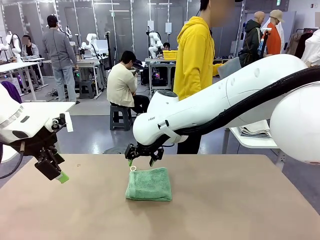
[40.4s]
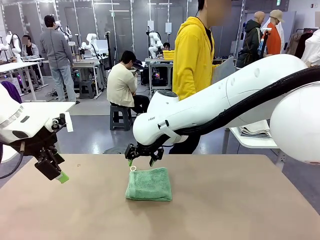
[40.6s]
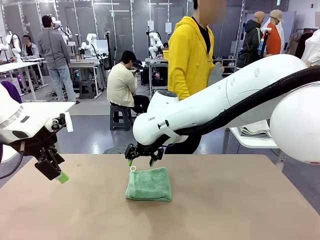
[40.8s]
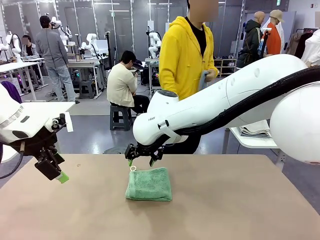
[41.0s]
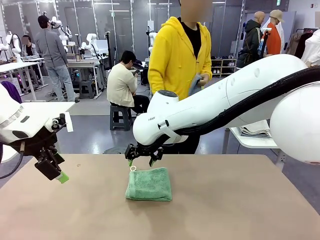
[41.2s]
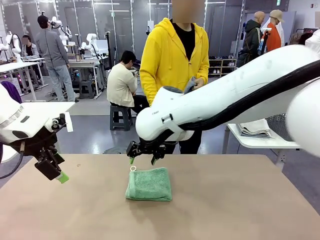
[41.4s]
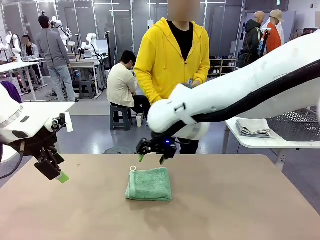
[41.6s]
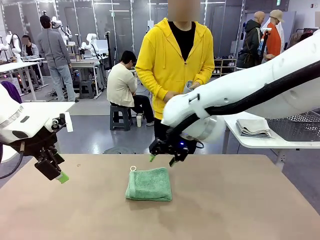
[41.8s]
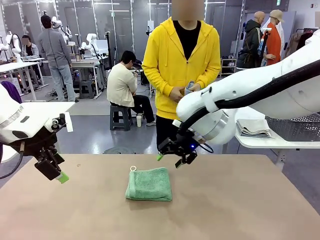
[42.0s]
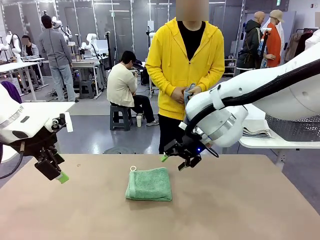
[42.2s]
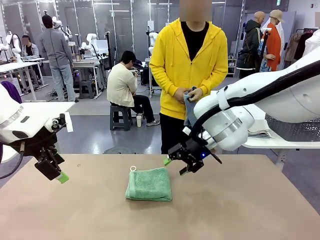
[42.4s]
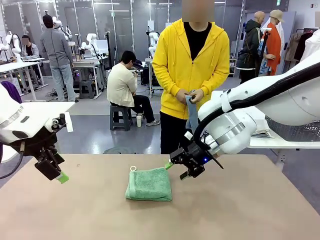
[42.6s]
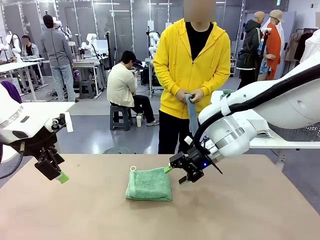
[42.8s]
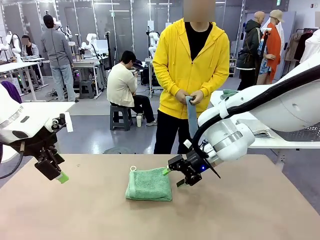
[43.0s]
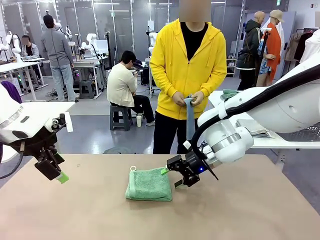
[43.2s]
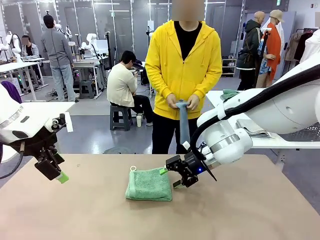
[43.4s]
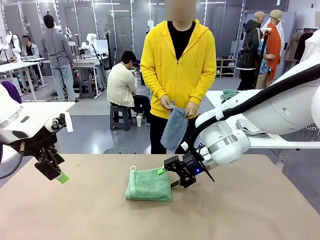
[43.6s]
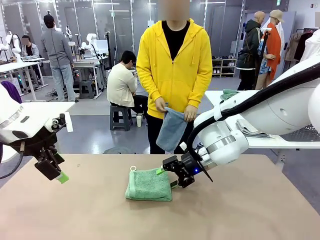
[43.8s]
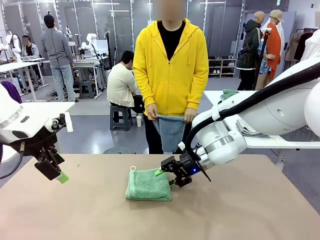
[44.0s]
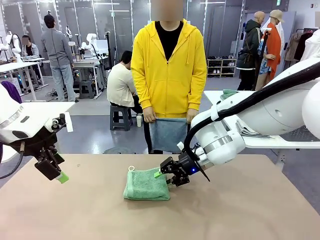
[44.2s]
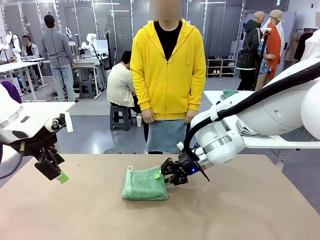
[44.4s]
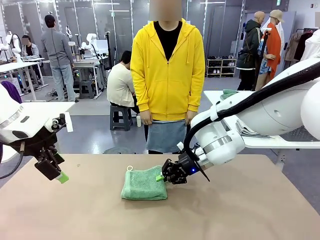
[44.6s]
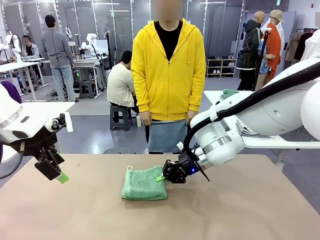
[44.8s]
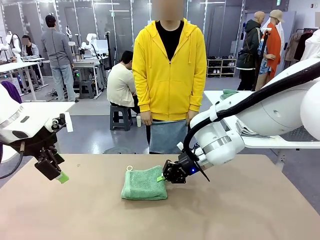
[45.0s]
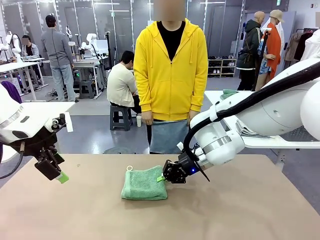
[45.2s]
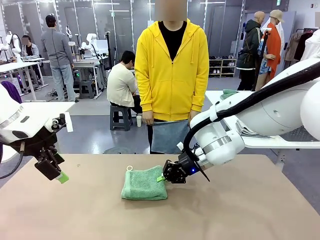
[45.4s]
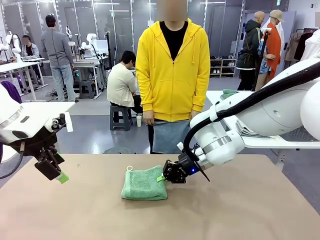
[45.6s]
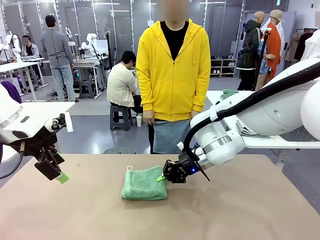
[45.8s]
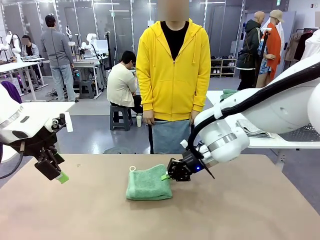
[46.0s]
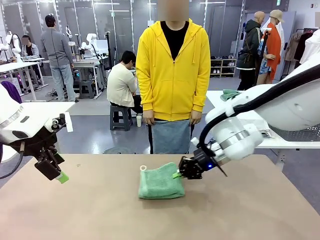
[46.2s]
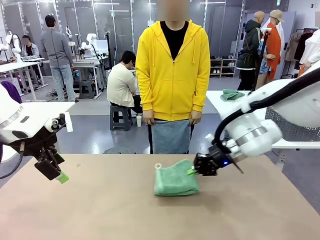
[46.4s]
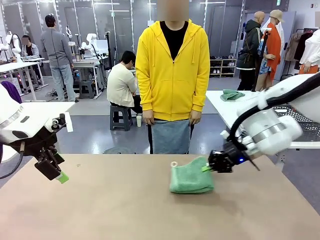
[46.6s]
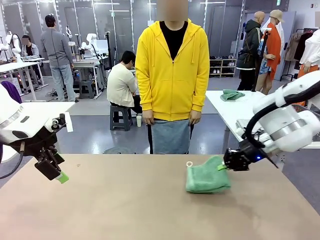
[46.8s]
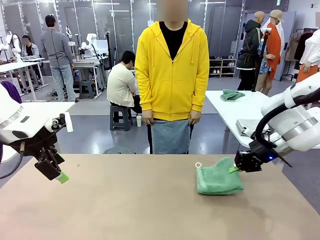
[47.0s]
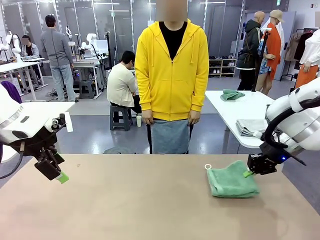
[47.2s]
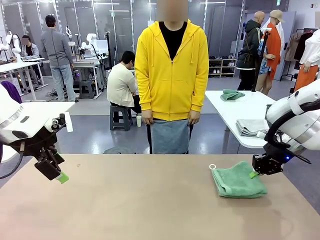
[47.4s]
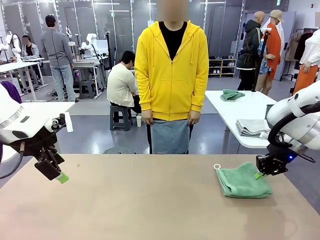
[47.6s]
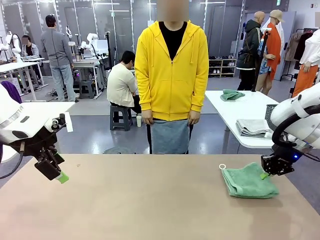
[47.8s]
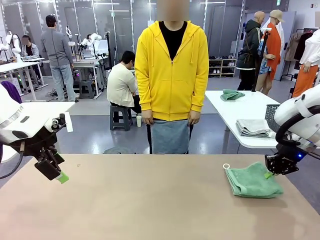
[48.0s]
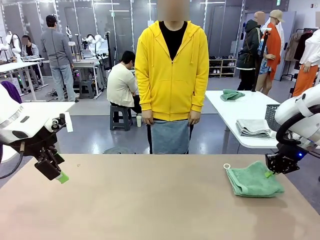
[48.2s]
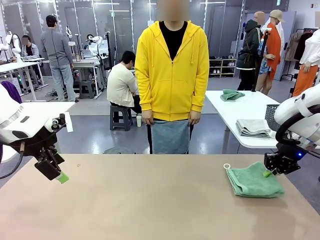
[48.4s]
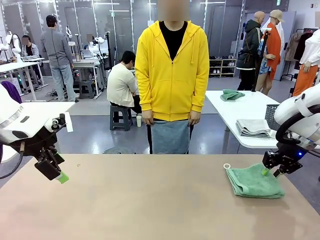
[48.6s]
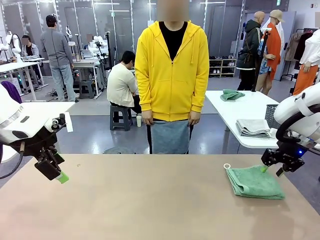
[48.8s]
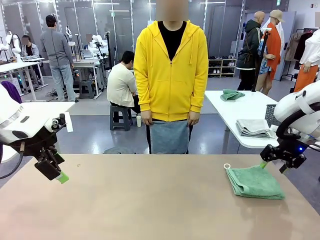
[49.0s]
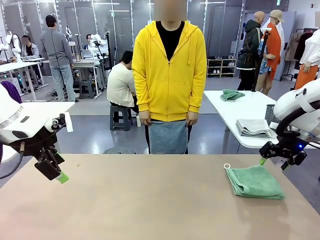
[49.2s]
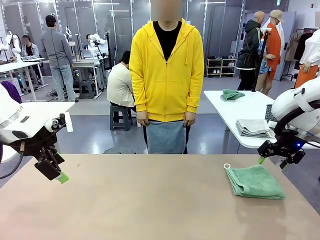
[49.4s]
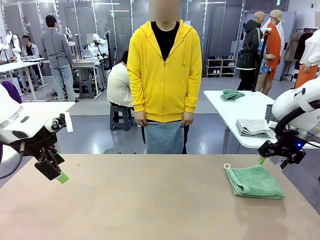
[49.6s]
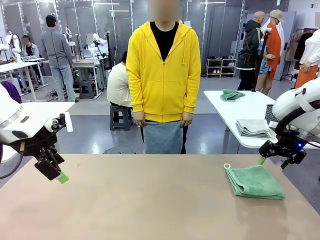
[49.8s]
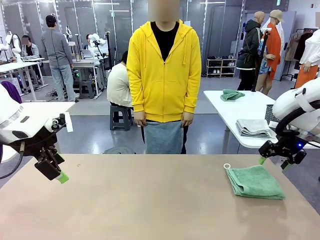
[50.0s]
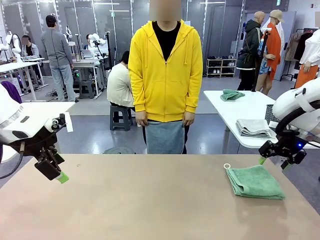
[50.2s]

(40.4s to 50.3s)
Task: Fold the towels and place them in the basket.
Robot: Place the folded Towel with hook on the right side of the table.
Person: Pick up one towel from the left side of the human table and spread it out at the center of the robot table.

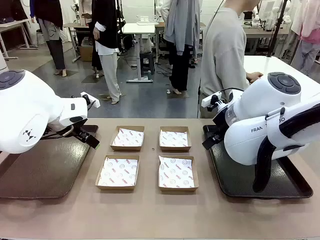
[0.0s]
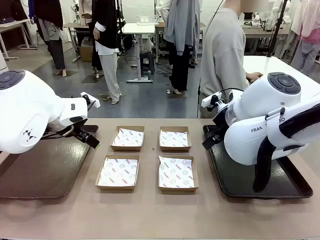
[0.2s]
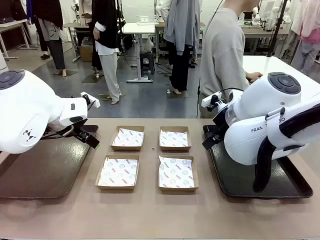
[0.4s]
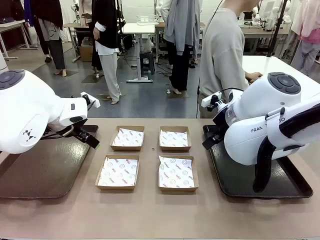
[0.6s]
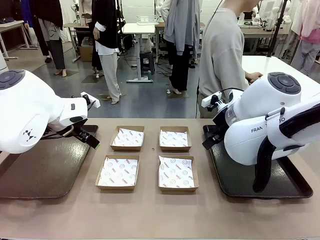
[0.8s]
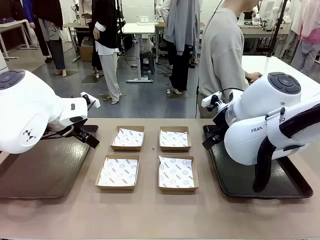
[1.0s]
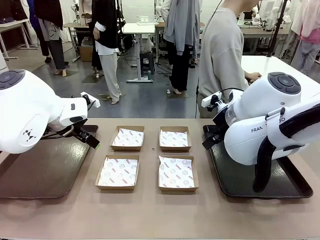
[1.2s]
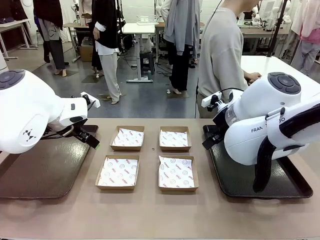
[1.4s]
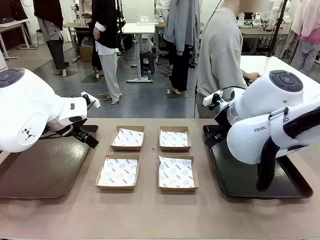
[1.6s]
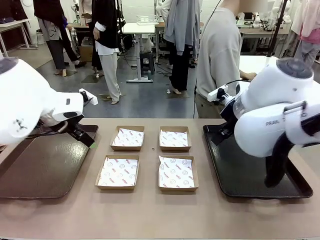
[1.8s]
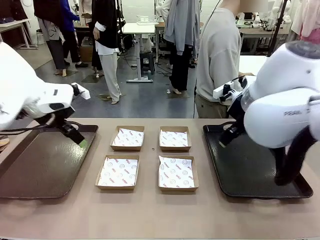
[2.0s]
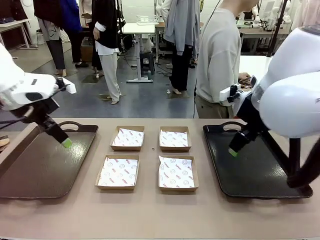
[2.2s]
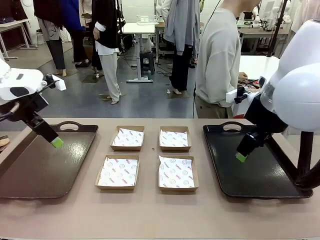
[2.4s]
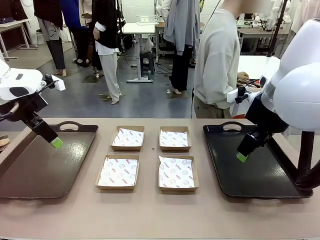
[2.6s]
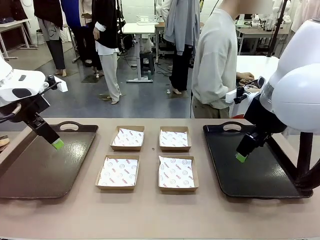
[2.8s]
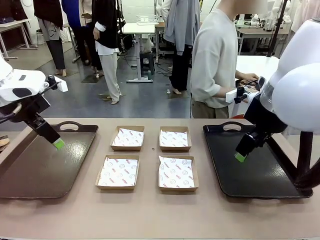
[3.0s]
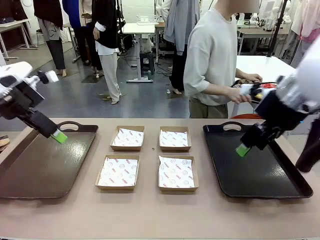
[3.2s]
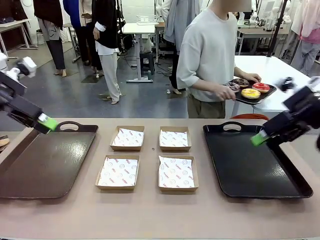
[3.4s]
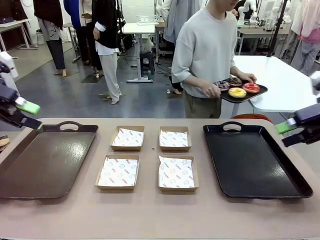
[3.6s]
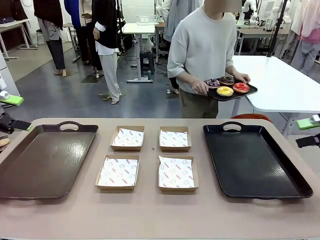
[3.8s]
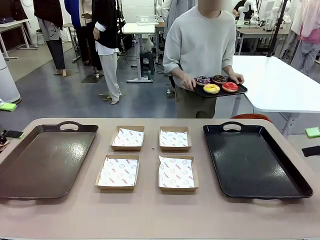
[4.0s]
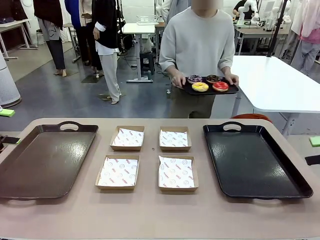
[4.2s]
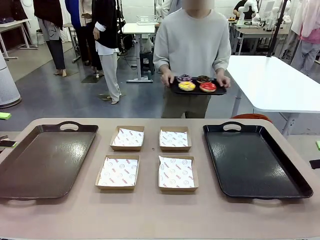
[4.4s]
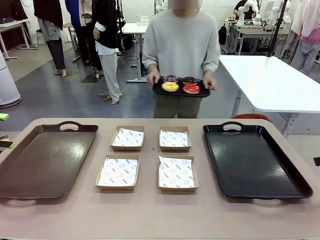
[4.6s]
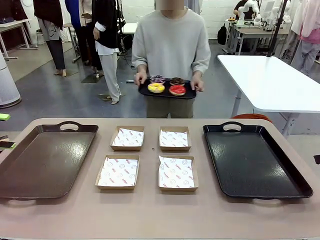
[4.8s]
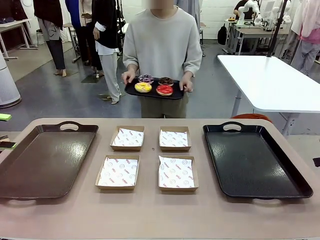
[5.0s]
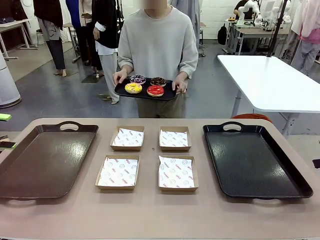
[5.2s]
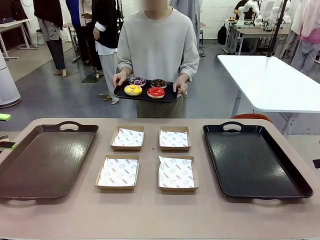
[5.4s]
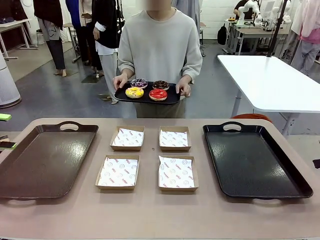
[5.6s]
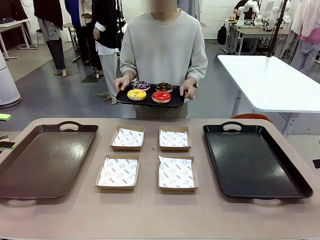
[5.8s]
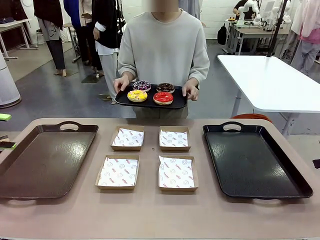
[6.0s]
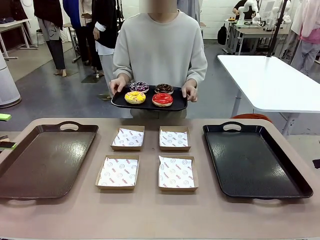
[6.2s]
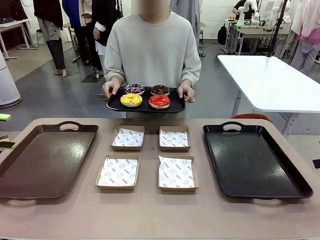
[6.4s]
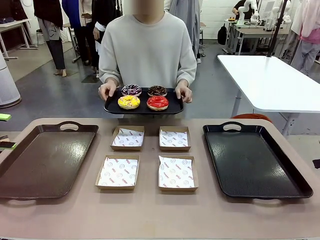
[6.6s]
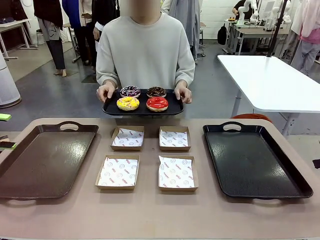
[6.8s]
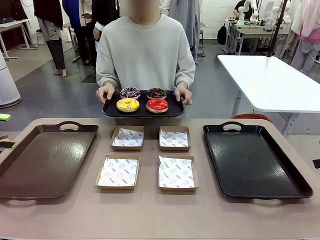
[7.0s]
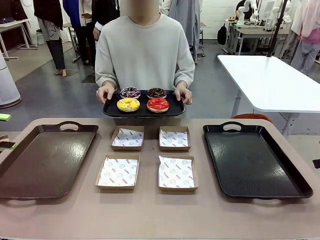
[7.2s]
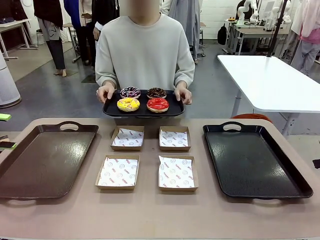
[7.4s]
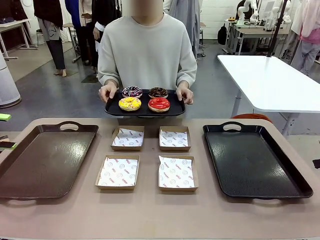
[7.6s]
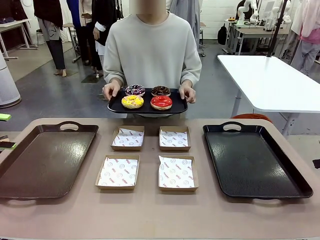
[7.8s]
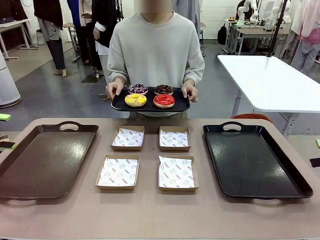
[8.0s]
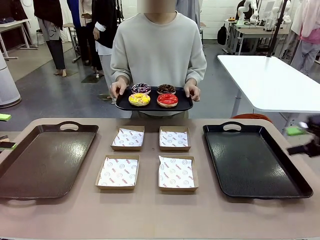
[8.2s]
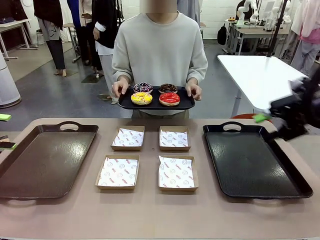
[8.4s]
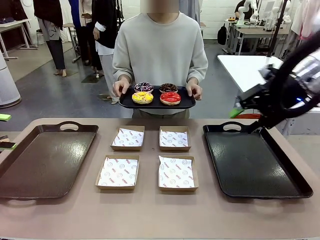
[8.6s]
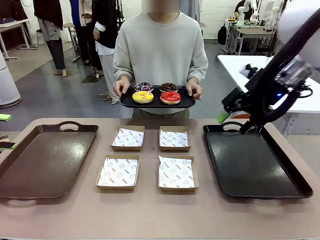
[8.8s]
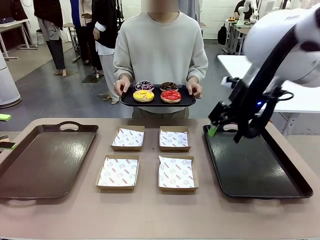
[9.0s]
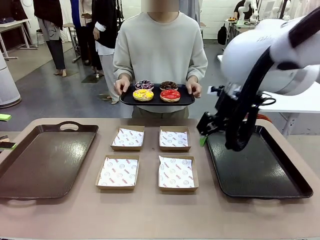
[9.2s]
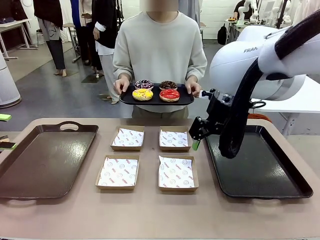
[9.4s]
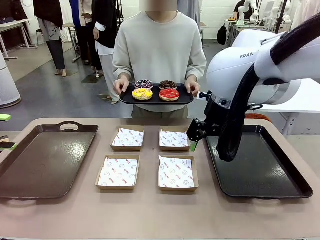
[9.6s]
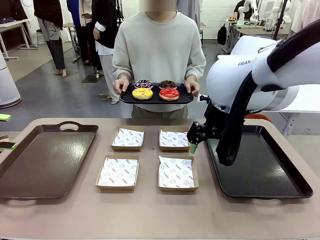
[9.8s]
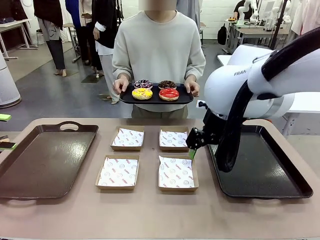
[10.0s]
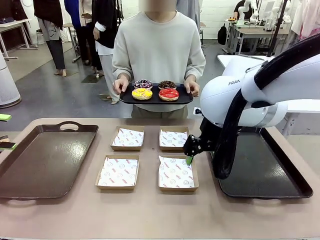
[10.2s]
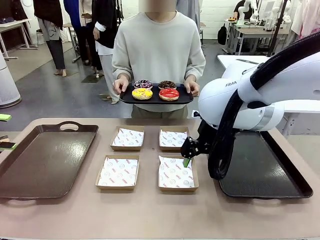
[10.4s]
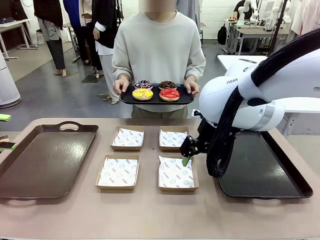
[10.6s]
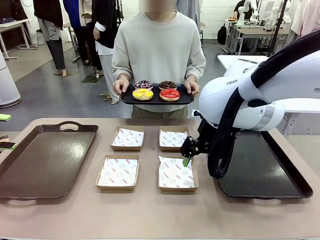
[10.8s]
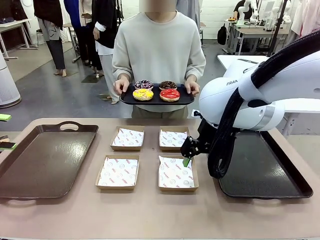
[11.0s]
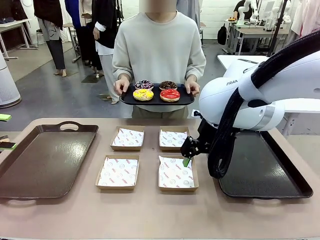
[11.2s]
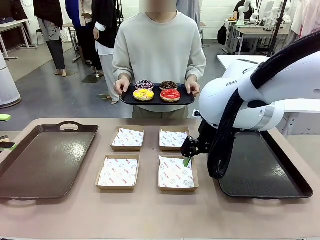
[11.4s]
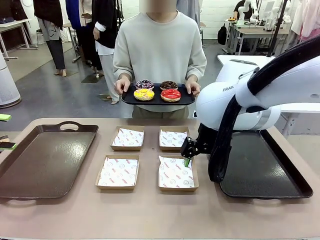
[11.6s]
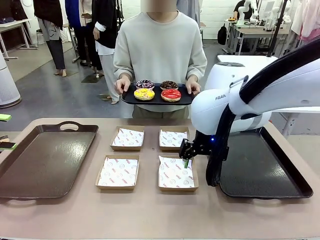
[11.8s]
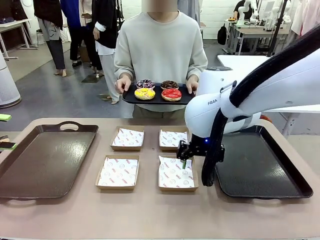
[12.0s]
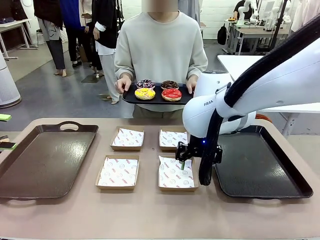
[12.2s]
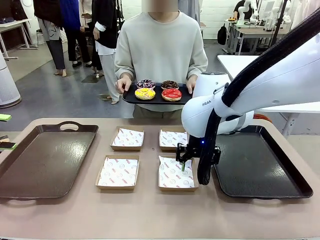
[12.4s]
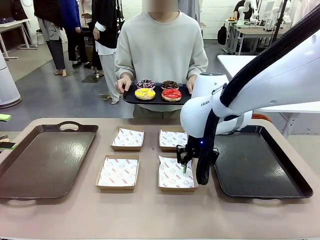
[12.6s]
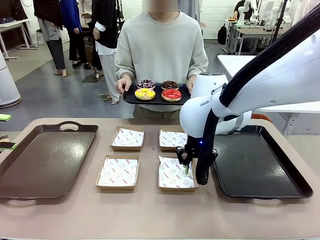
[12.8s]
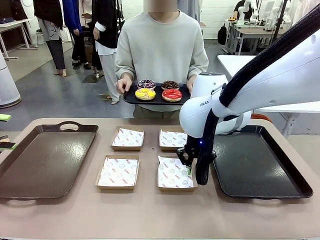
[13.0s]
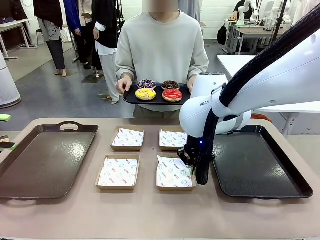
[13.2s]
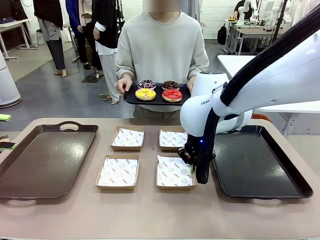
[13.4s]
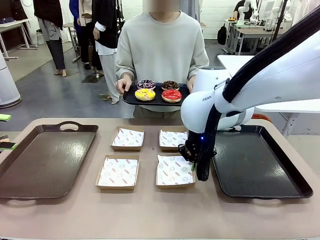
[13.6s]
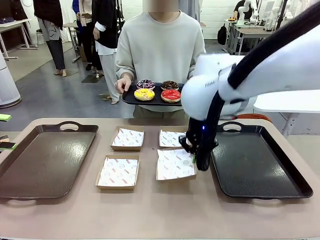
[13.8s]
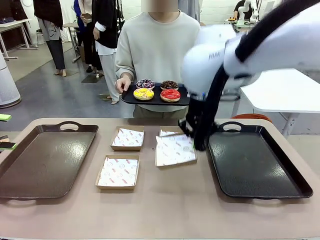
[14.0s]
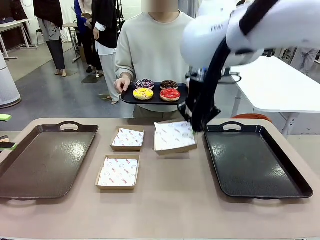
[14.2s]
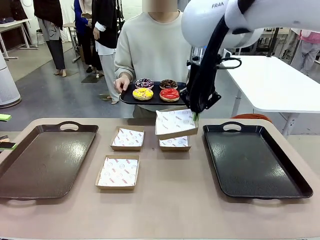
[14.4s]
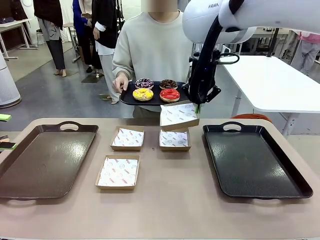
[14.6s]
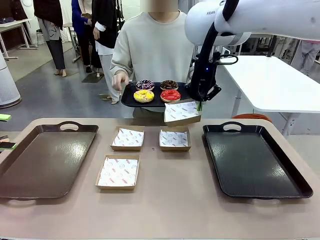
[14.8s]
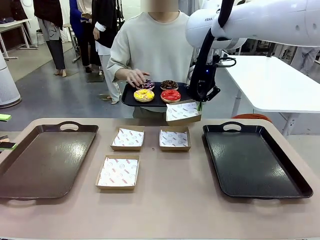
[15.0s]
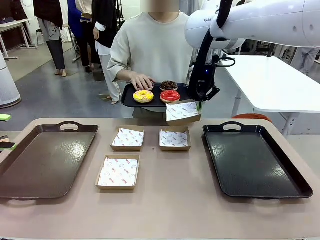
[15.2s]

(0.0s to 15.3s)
Task: Individually package the donuts and arrange them on the tray.
Robot: Pick up one Paper togo box.
Person: Stand in front of the robot table holding the tray containing the donuts.
